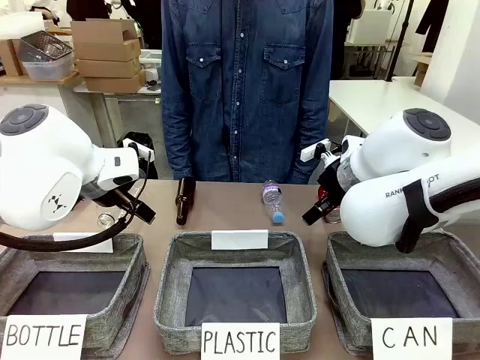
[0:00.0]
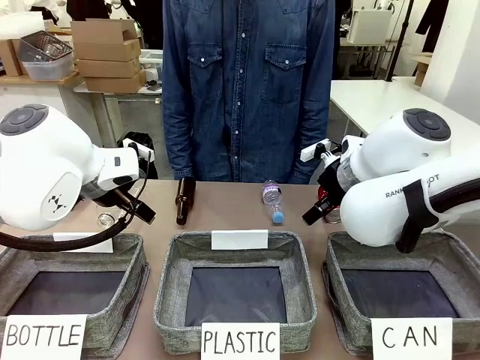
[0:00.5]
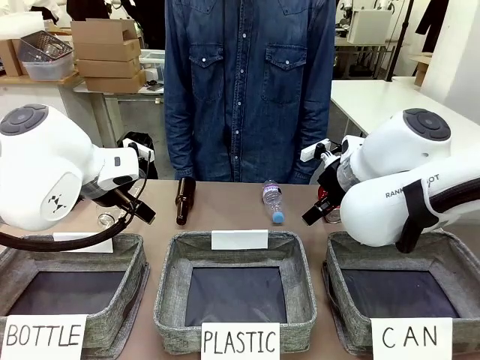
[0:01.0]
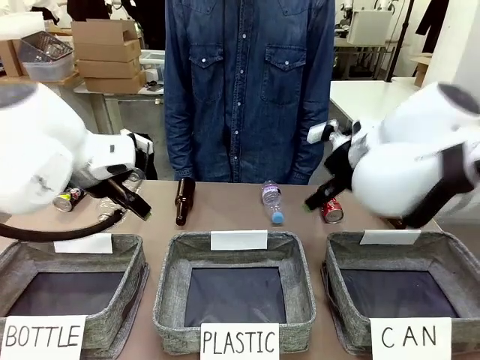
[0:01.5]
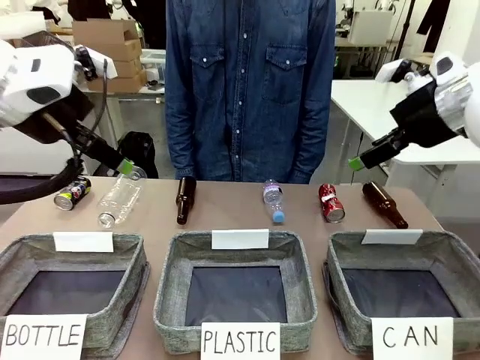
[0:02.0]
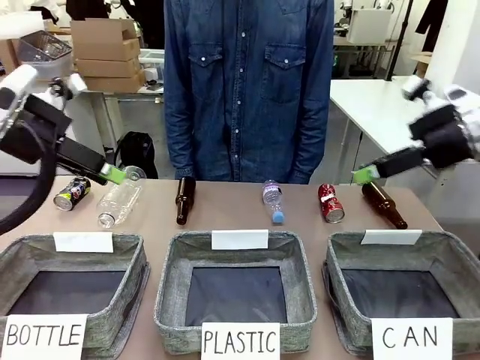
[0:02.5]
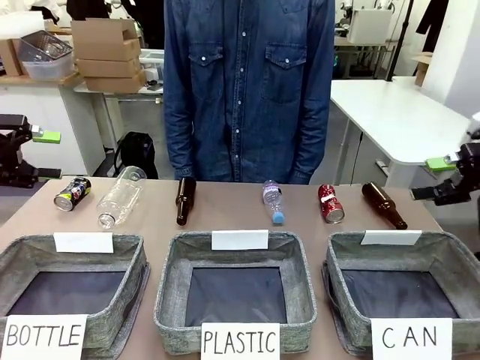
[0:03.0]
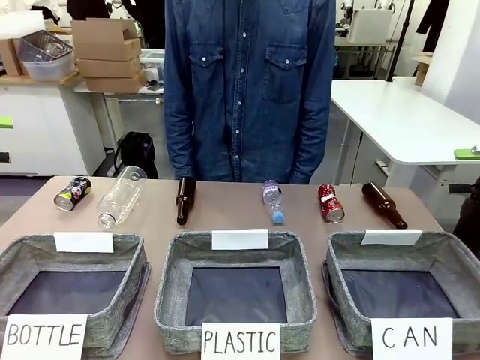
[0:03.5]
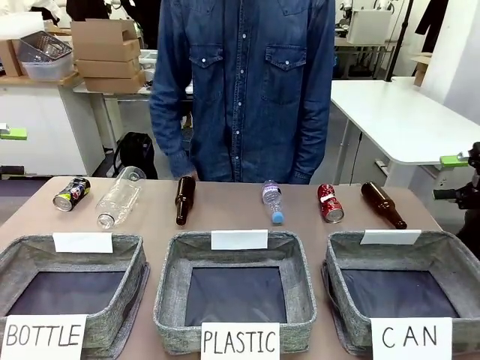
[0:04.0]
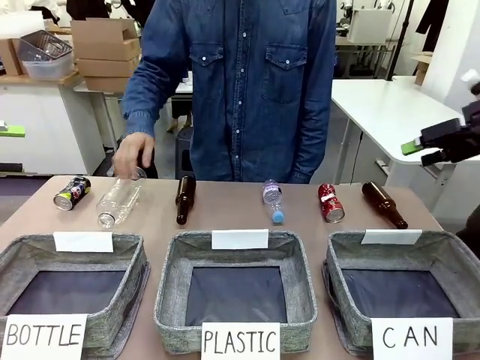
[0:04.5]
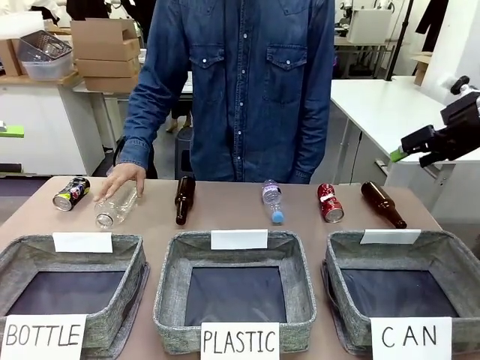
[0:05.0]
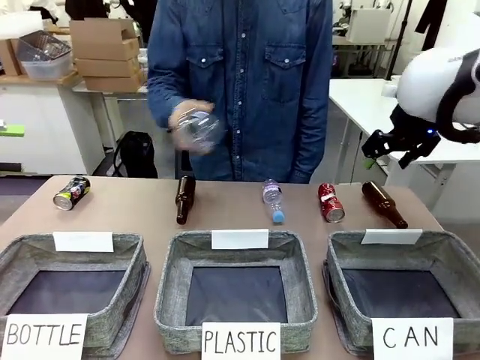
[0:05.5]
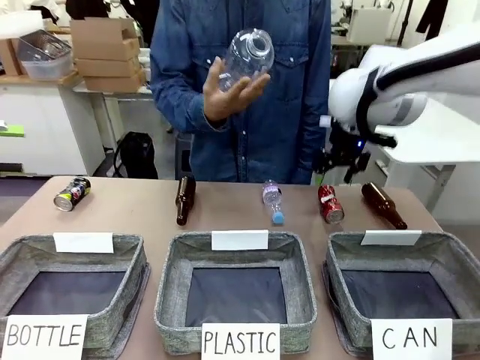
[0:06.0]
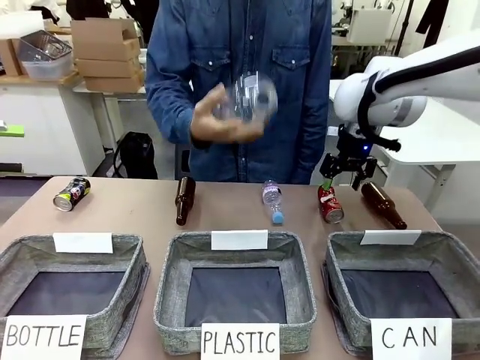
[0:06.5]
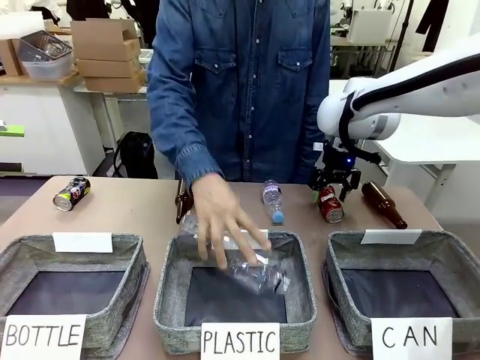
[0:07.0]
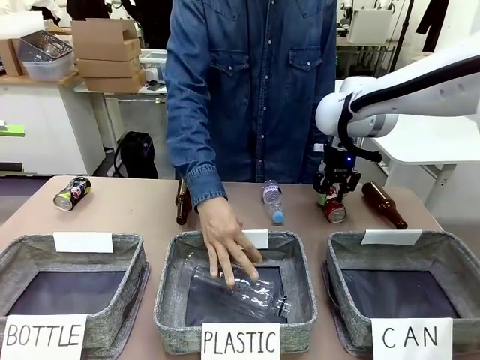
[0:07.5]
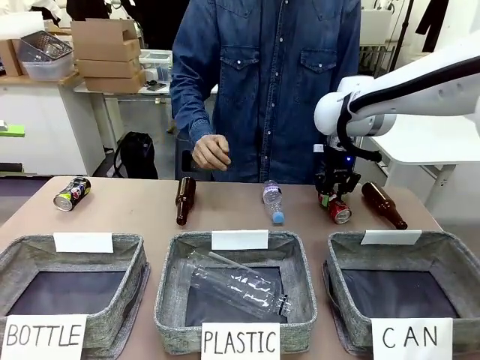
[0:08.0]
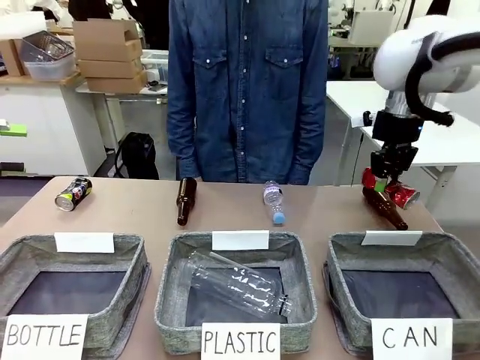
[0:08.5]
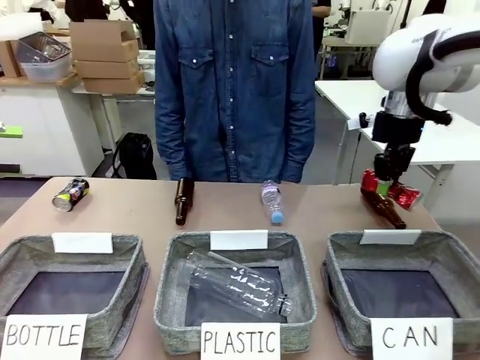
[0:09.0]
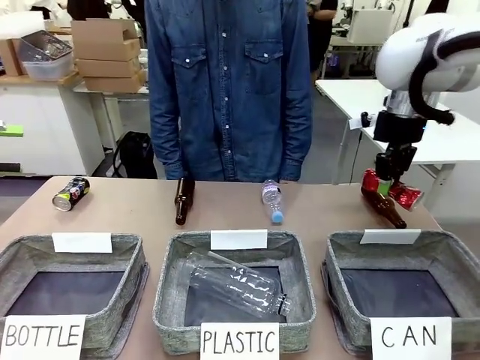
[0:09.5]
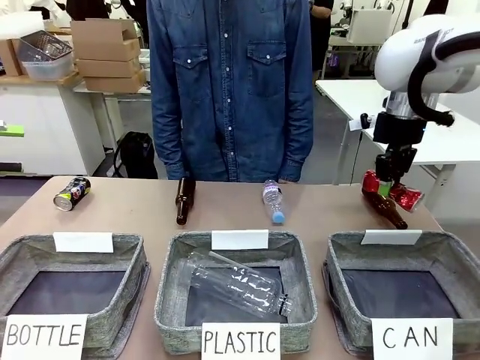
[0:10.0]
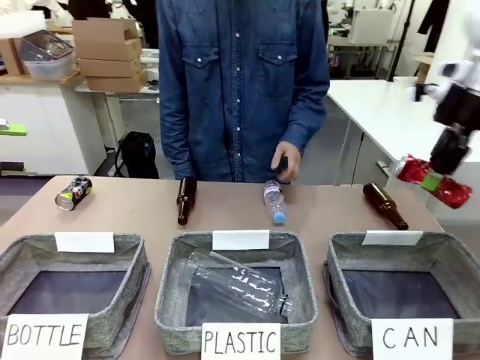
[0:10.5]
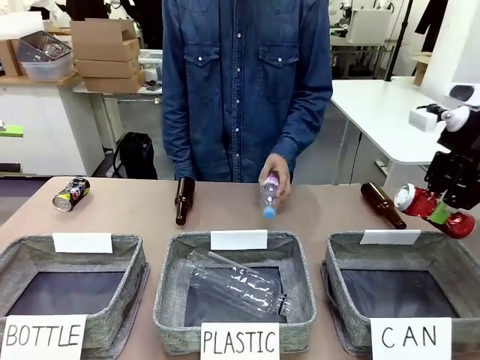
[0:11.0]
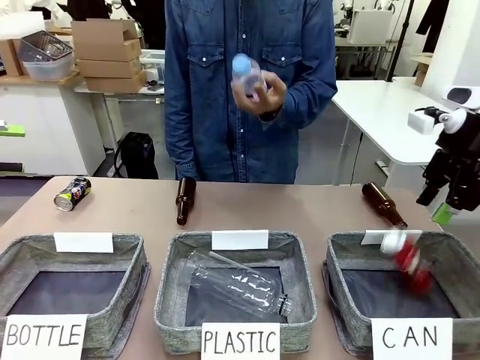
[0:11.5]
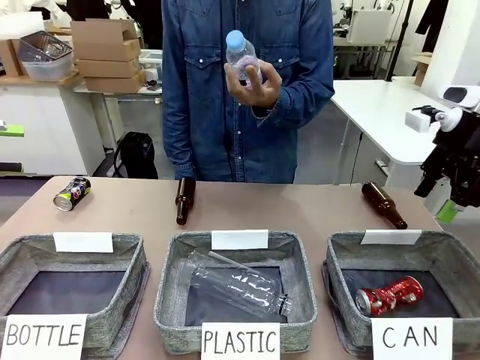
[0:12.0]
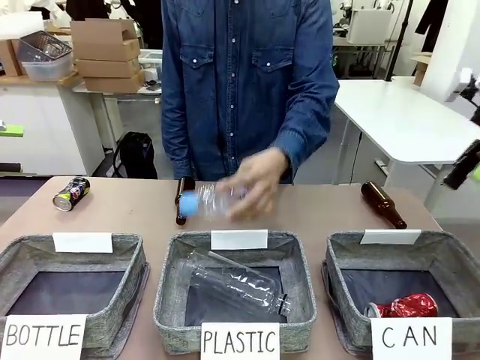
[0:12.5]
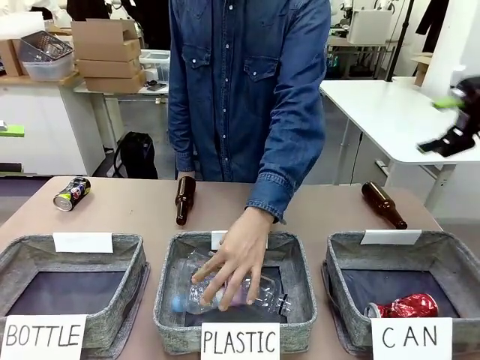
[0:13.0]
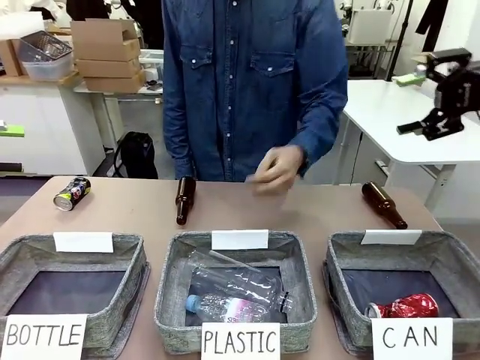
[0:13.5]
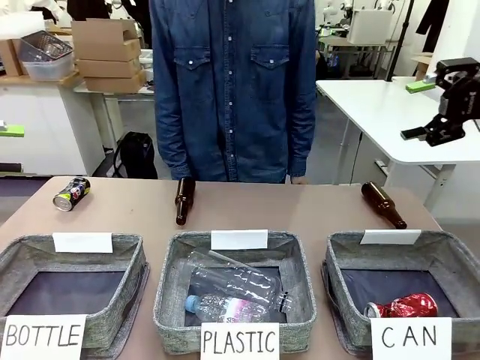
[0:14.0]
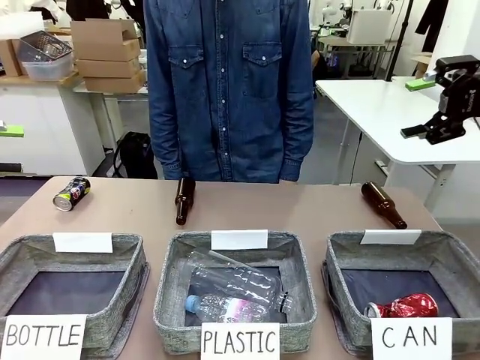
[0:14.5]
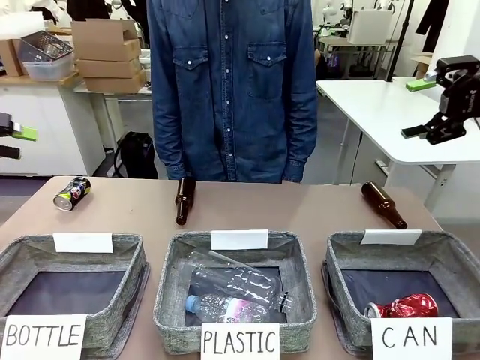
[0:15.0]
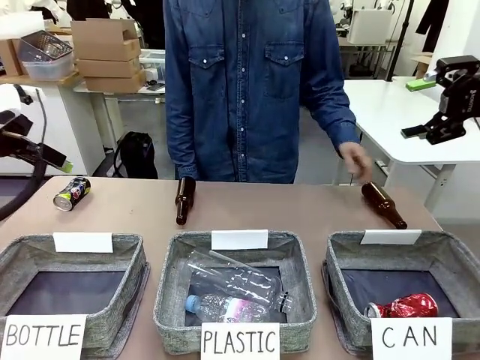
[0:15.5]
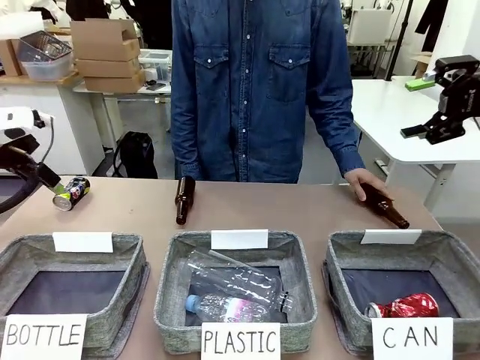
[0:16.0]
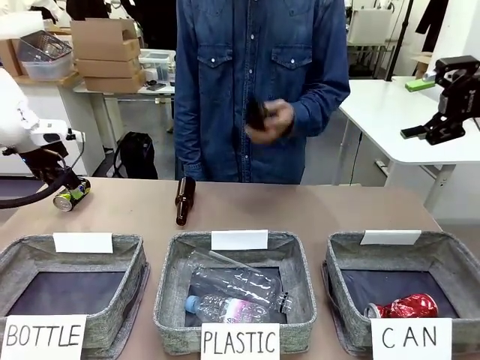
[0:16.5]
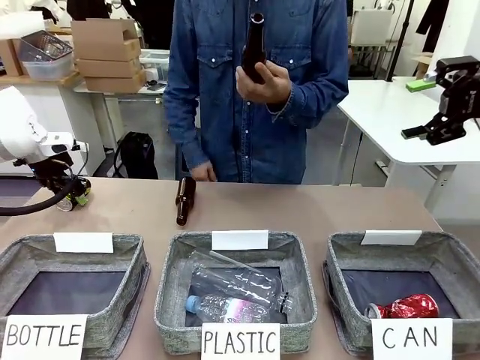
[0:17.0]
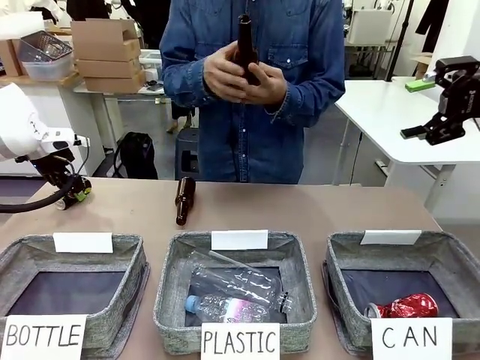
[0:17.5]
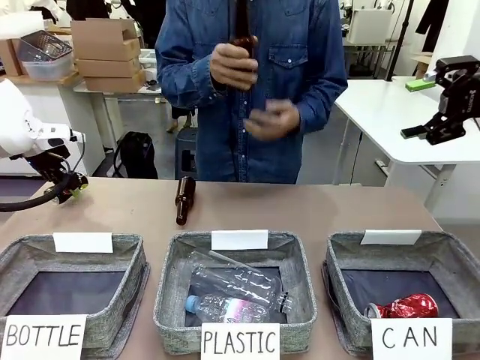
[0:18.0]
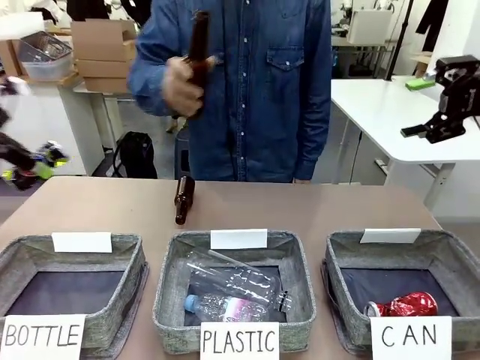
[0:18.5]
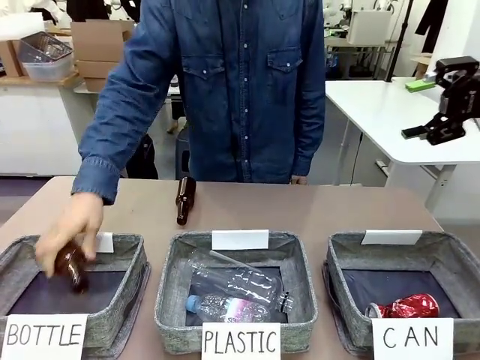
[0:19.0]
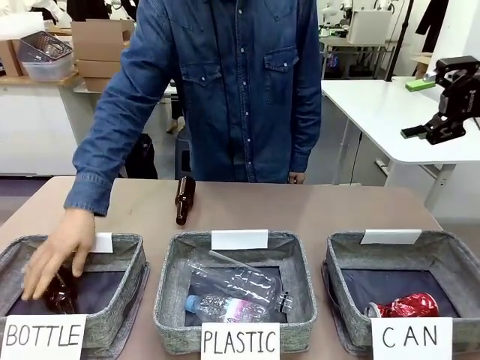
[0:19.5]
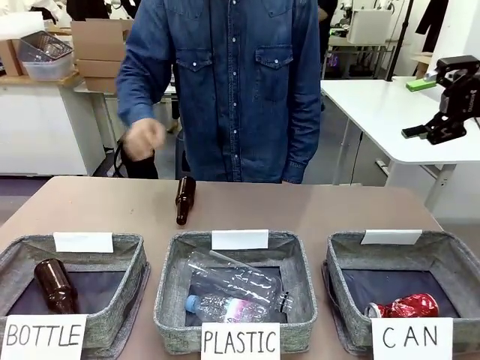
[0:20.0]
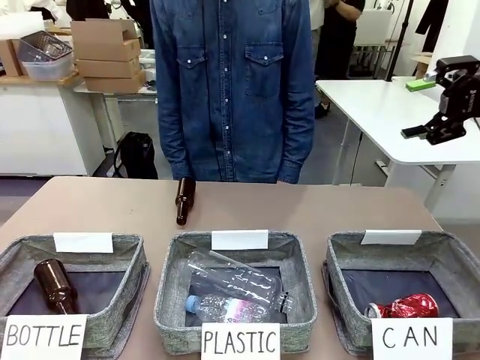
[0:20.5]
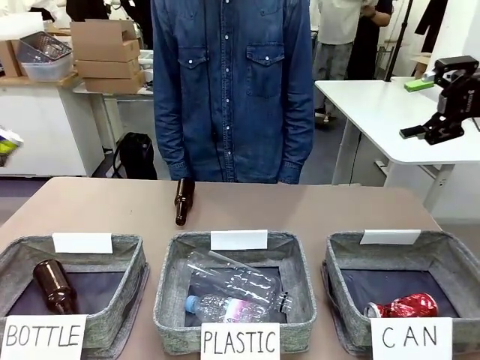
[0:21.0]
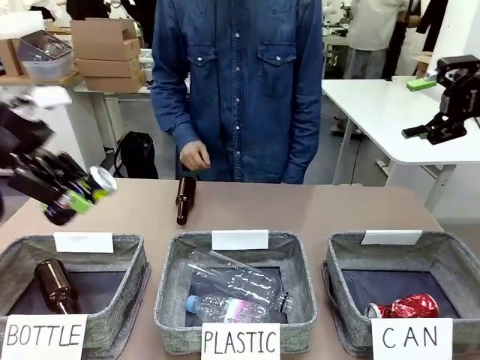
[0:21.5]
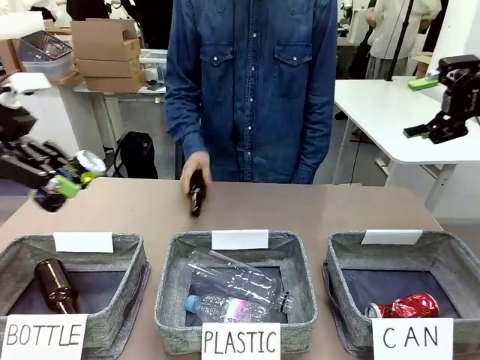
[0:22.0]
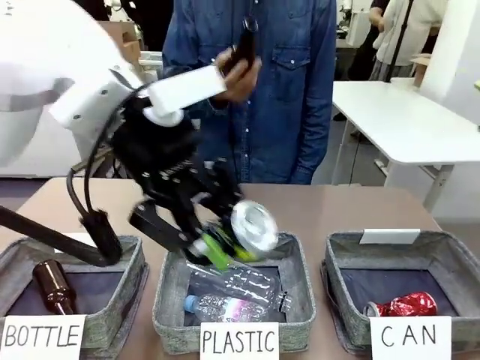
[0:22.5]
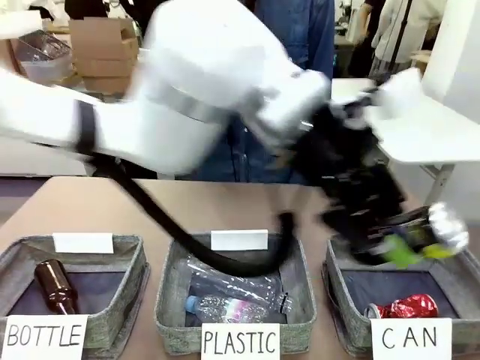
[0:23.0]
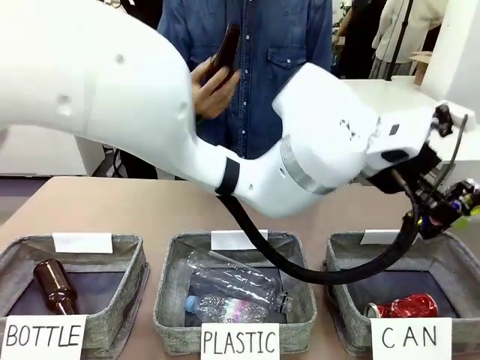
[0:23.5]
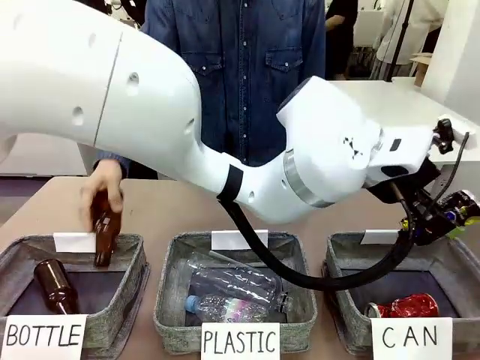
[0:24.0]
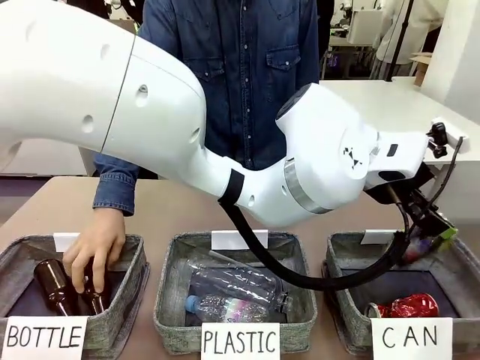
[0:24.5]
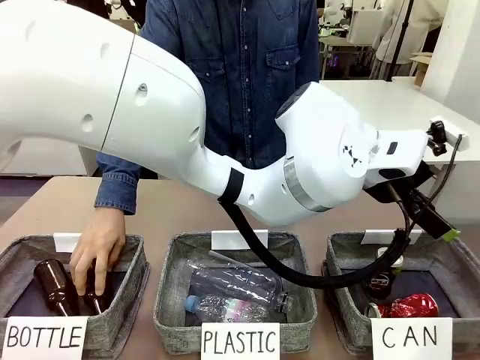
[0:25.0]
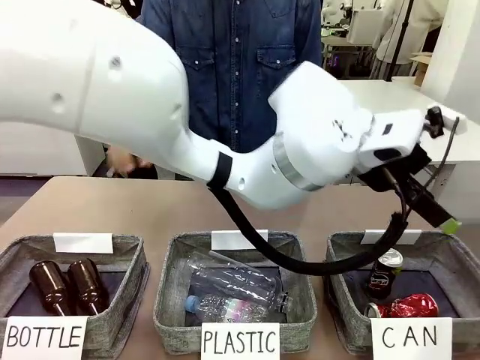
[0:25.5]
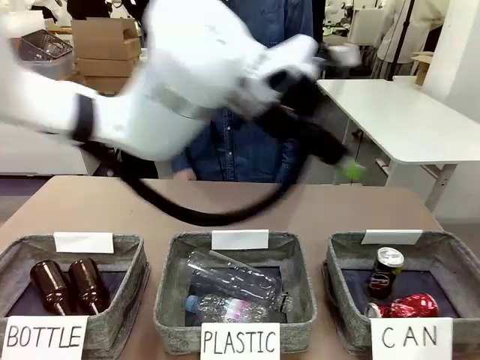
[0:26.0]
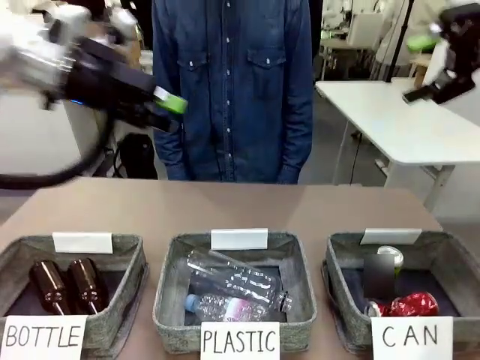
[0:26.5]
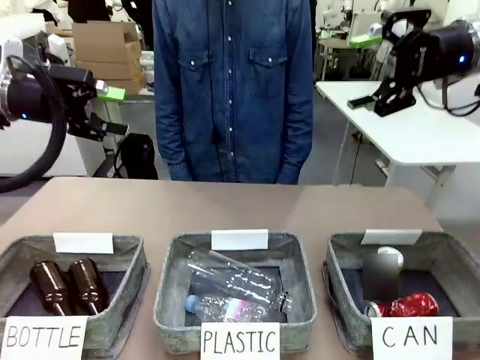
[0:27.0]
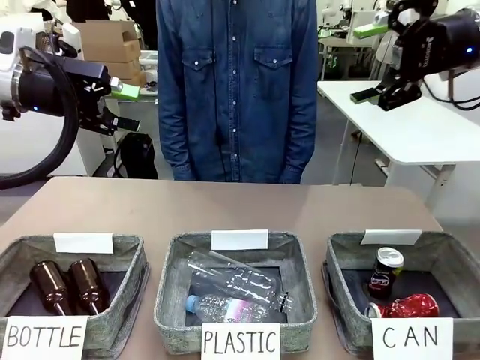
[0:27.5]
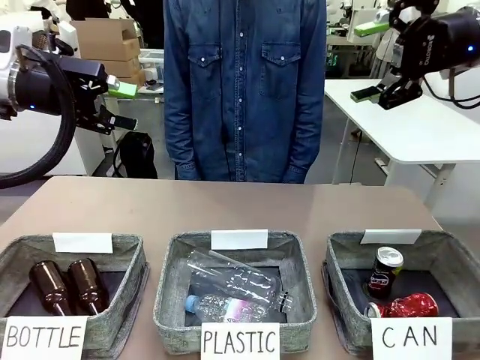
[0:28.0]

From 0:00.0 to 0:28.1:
Task: Sort the can waste into the basket.
Robot: Pick up the can waste from the table and place it in the right Fabric basket.
Person: The human picks up one piece of trash that is not a can and places the trash into the appropriate organizing basket.
